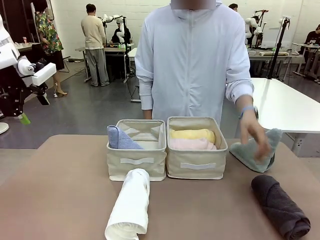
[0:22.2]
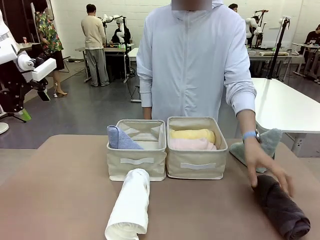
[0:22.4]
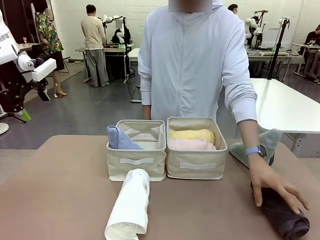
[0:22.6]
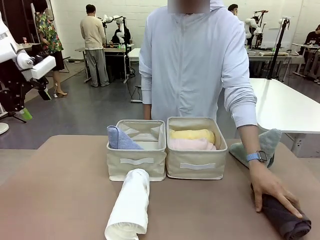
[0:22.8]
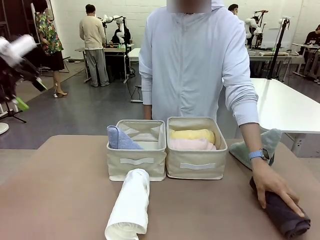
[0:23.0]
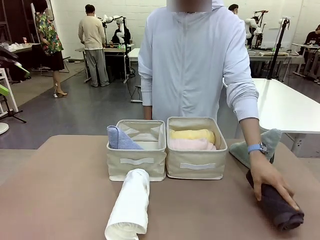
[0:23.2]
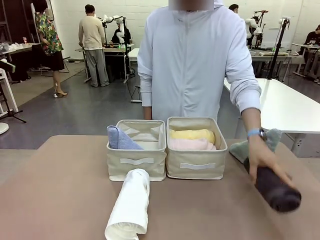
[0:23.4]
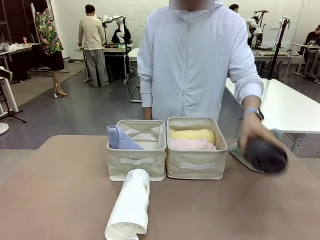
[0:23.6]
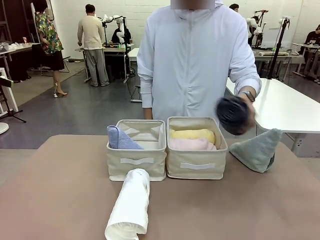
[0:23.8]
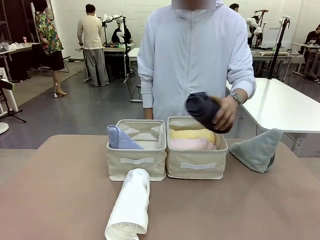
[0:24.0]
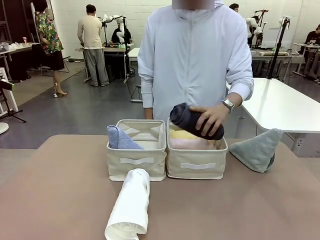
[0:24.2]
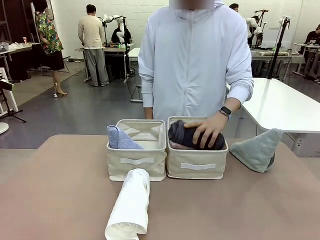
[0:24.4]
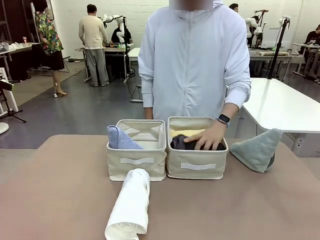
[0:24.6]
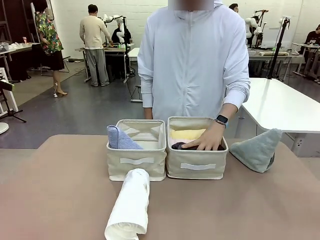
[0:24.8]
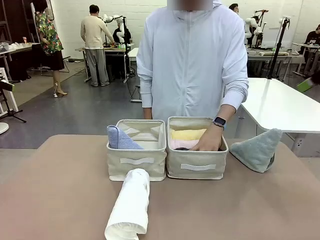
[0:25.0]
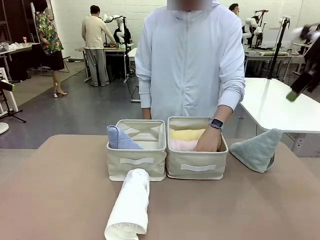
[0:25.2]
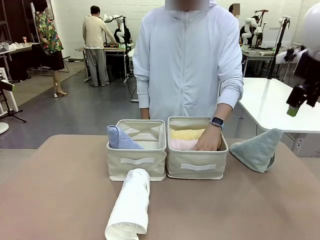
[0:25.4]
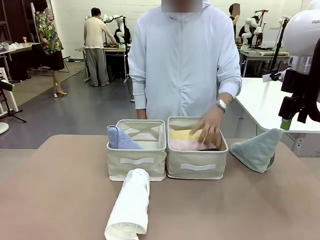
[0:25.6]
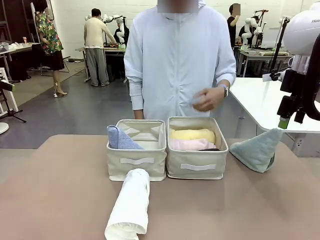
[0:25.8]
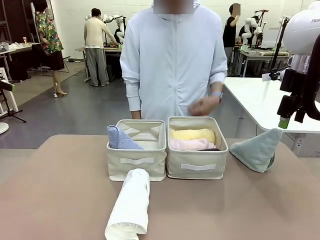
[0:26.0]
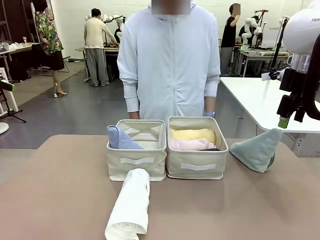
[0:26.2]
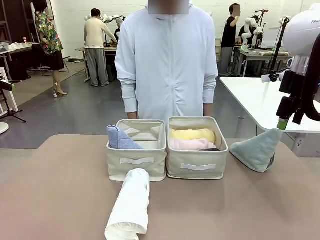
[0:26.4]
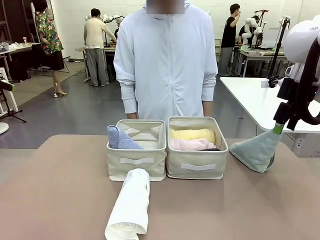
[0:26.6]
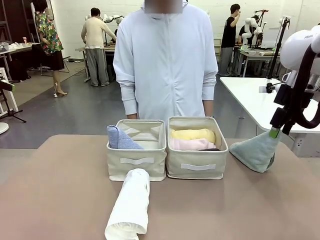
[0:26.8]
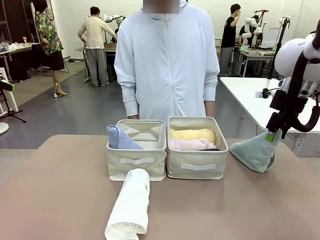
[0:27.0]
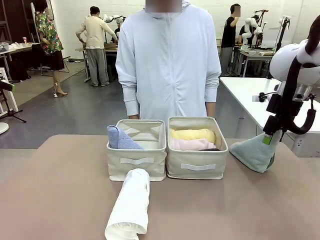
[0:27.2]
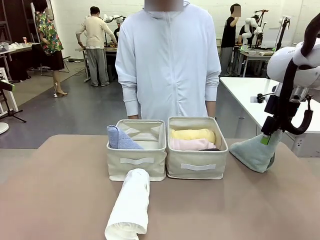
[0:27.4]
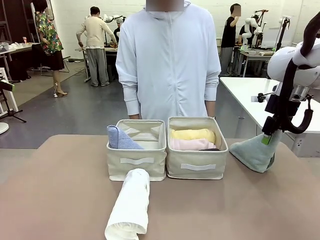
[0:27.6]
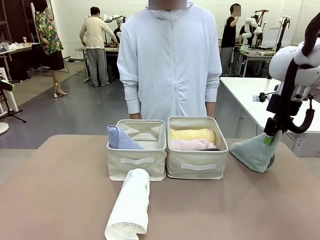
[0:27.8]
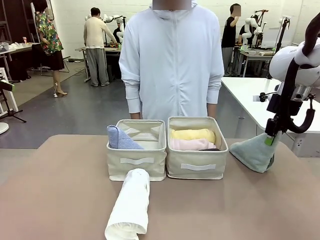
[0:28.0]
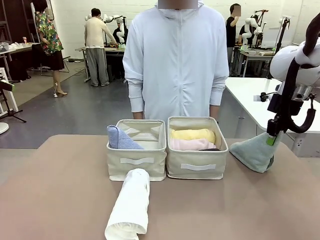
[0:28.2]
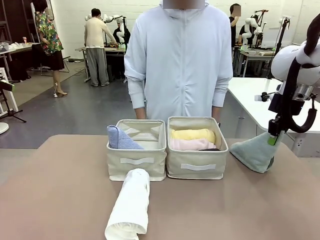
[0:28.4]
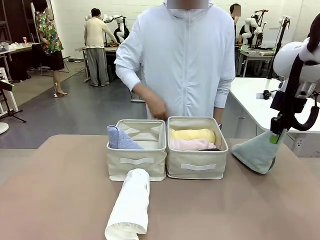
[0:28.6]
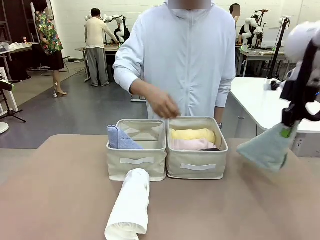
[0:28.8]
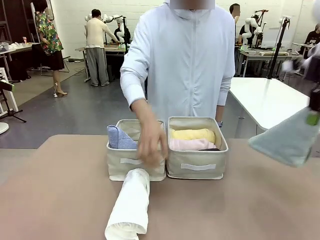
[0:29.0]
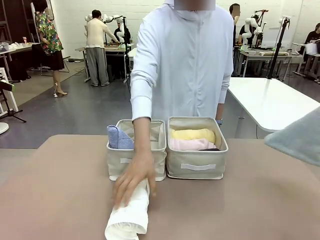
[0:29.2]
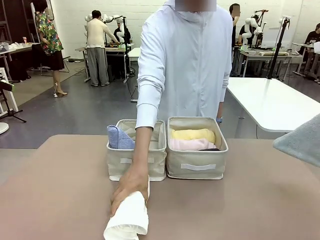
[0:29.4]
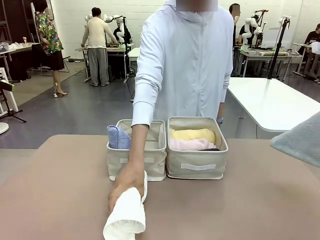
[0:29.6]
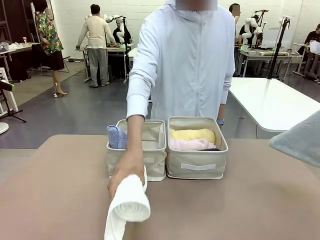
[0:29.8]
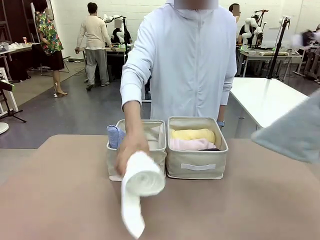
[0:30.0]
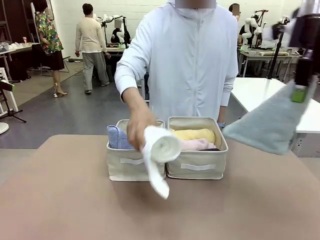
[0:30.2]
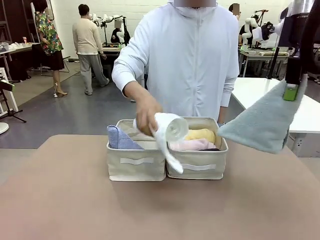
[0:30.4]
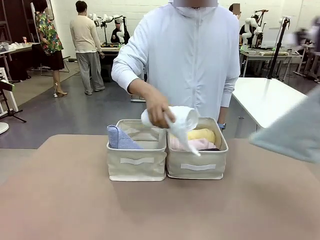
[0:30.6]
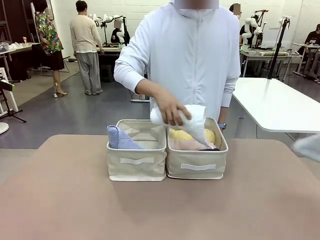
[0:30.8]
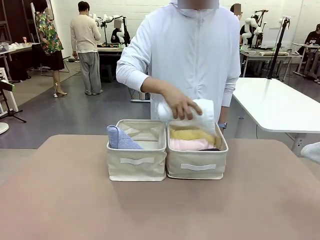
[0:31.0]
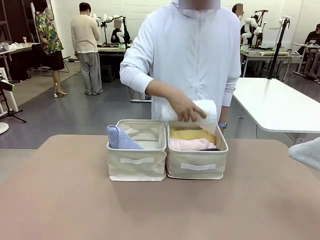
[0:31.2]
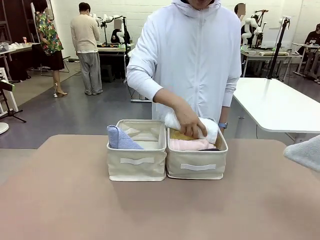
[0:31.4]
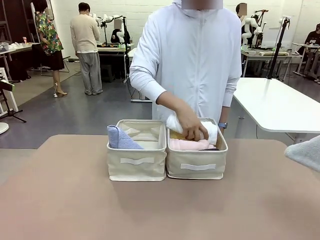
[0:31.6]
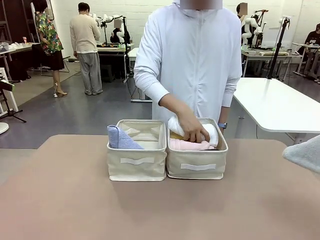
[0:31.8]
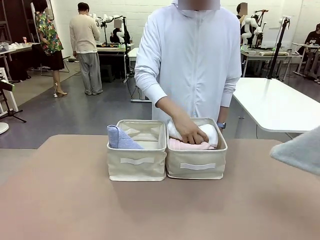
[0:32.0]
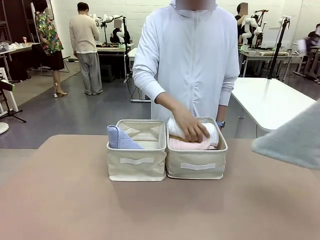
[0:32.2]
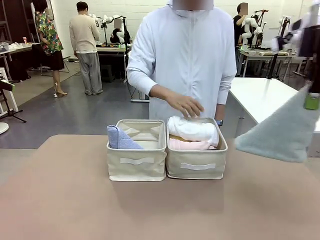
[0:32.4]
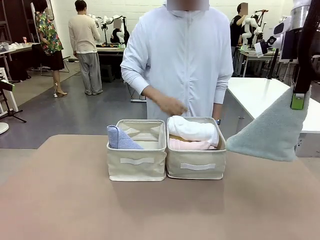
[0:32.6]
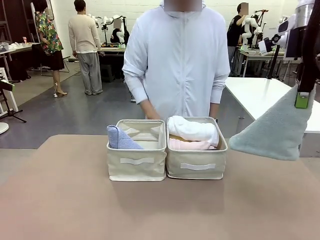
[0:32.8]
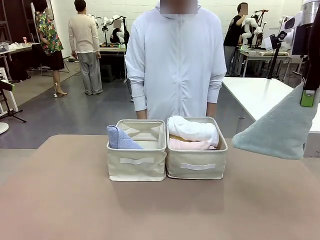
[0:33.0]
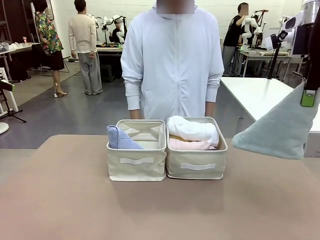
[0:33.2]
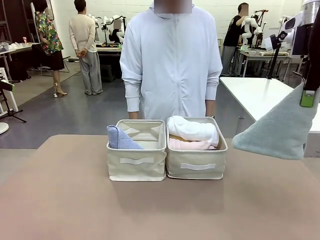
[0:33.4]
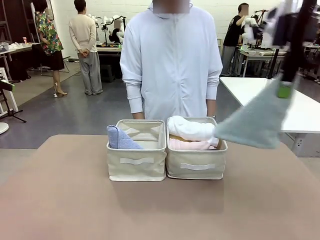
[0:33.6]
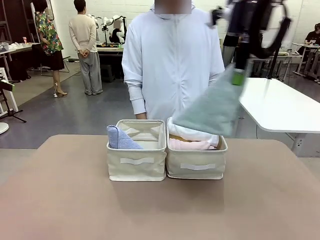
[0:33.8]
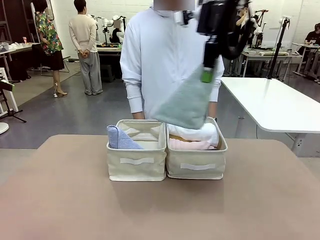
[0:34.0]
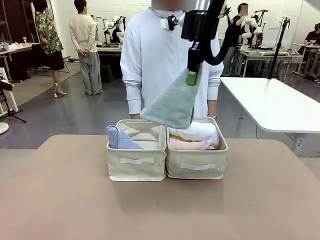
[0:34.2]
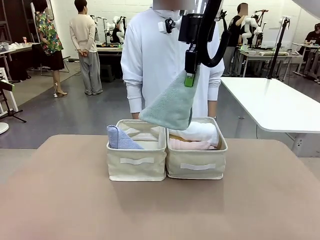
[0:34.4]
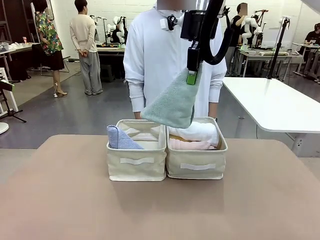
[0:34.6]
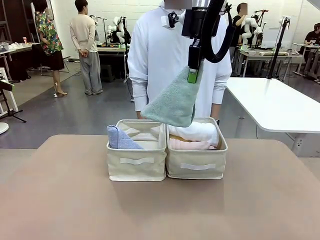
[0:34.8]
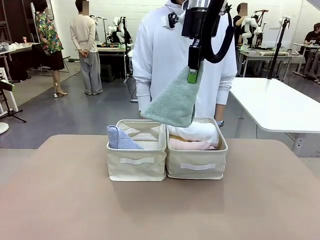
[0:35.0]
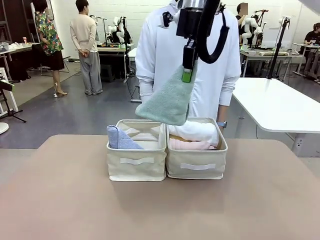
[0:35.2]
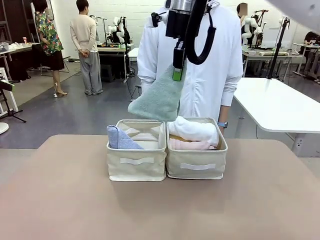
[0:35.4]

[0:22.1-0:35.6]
Task: Sort the towels based on their folding style.
Robot: Pick up another triangle-folded towel from the table and place it in the left Fabric basket.
